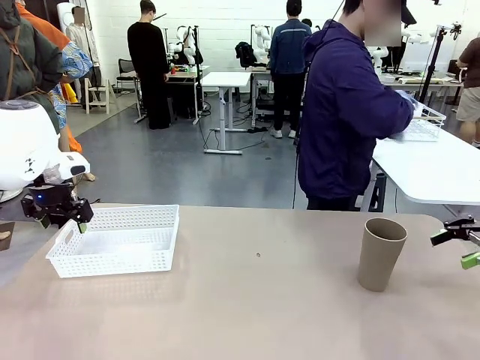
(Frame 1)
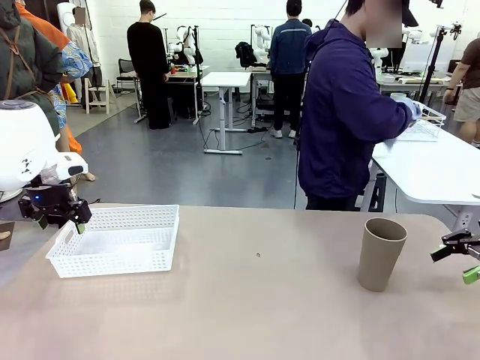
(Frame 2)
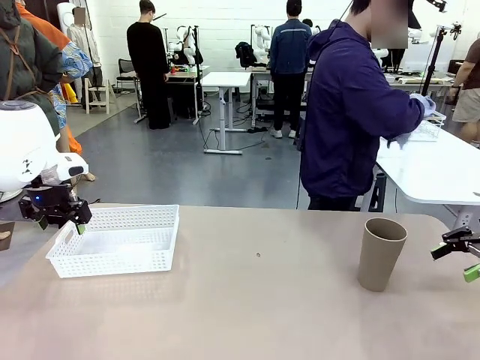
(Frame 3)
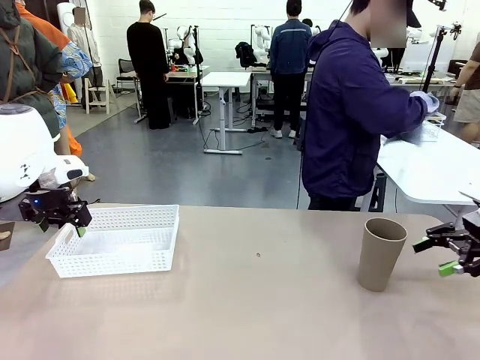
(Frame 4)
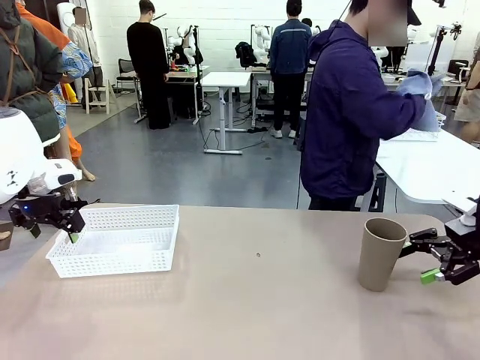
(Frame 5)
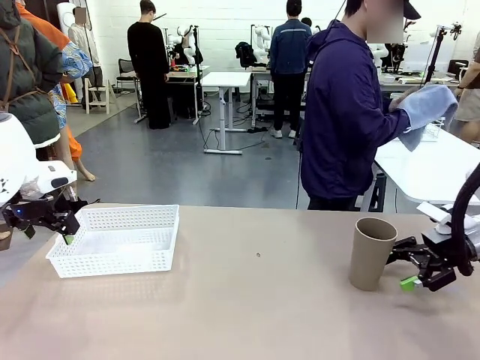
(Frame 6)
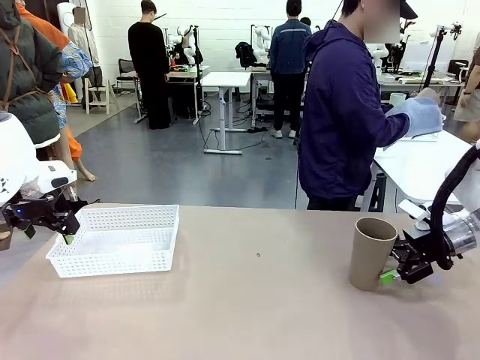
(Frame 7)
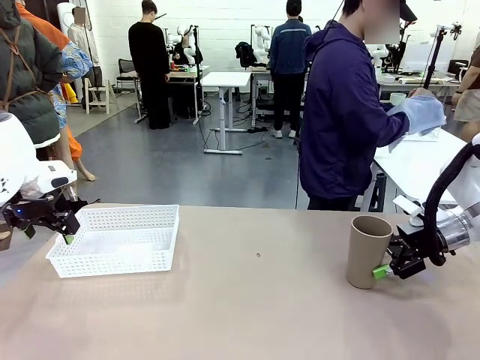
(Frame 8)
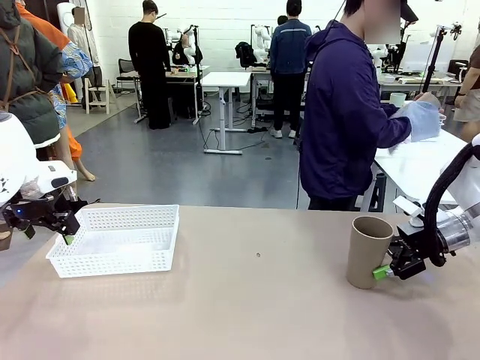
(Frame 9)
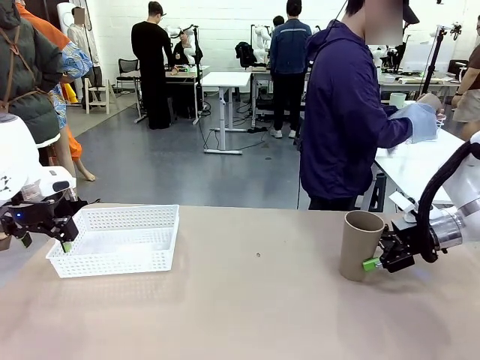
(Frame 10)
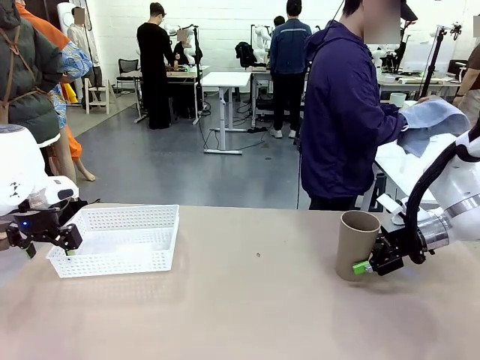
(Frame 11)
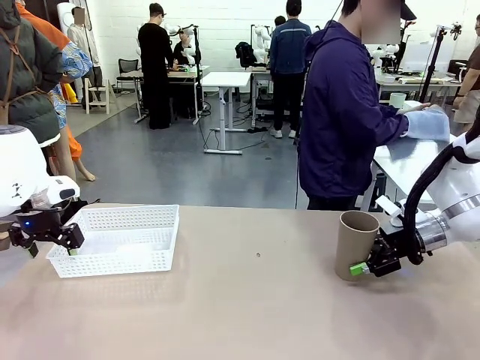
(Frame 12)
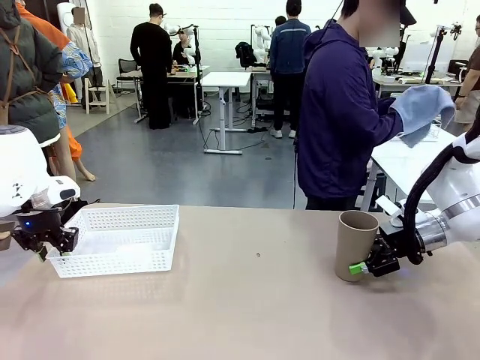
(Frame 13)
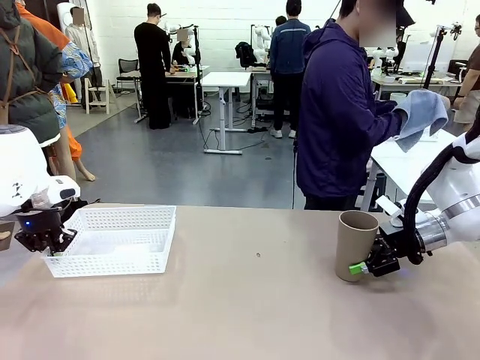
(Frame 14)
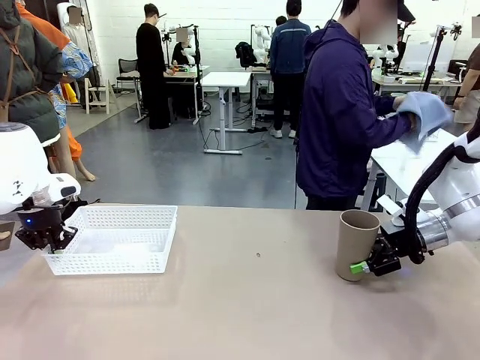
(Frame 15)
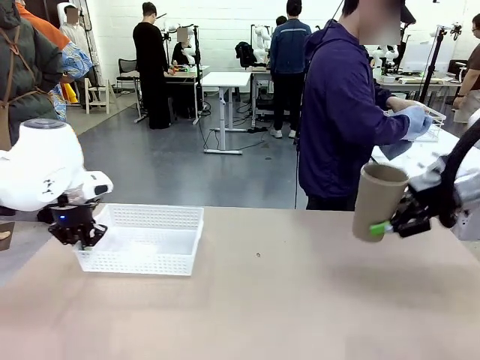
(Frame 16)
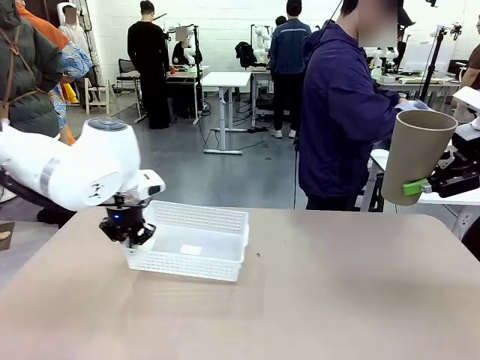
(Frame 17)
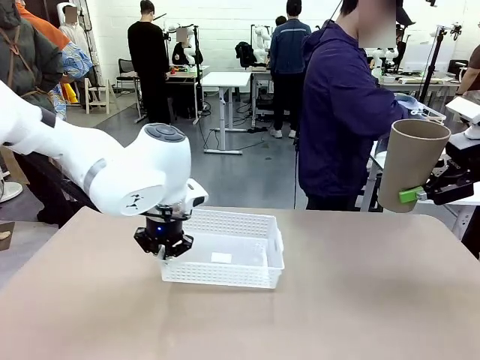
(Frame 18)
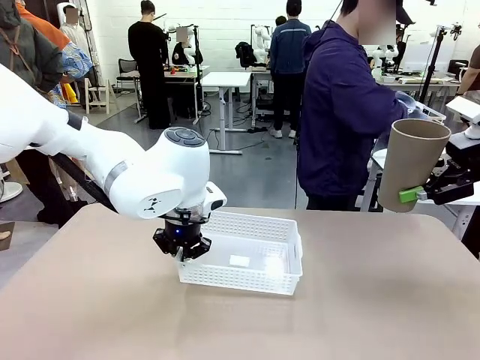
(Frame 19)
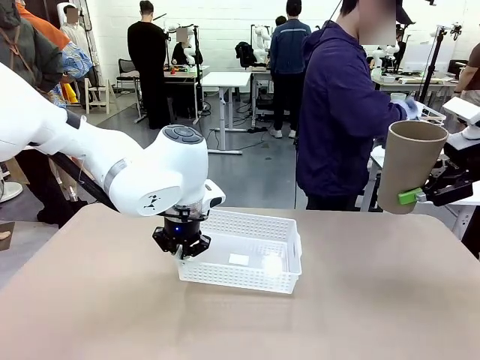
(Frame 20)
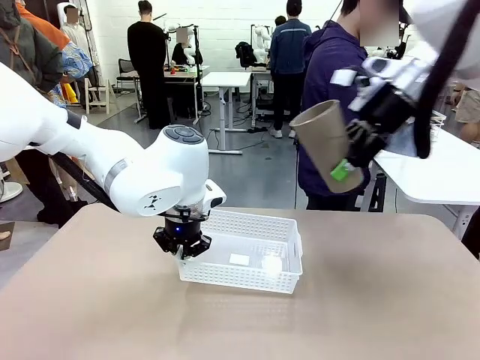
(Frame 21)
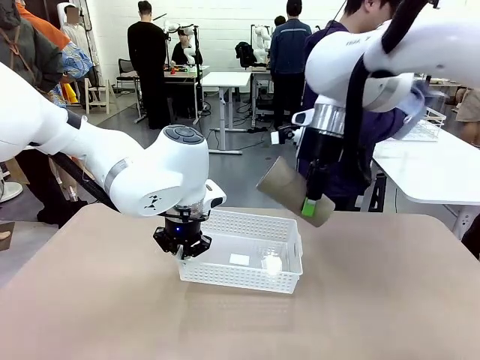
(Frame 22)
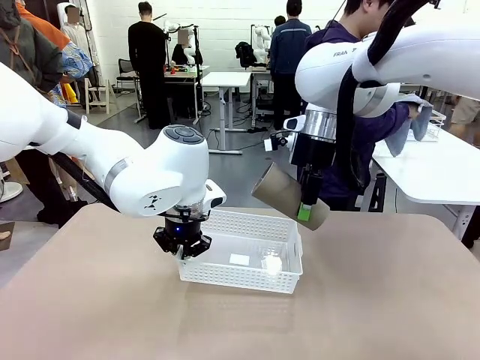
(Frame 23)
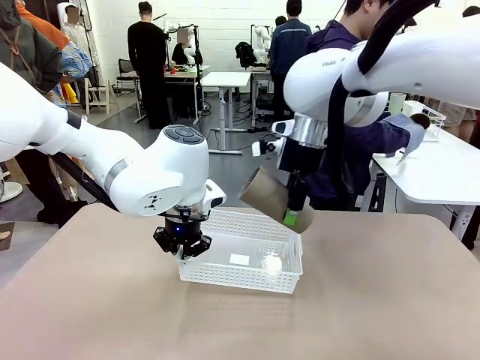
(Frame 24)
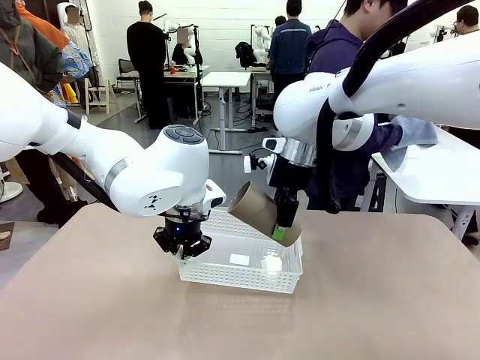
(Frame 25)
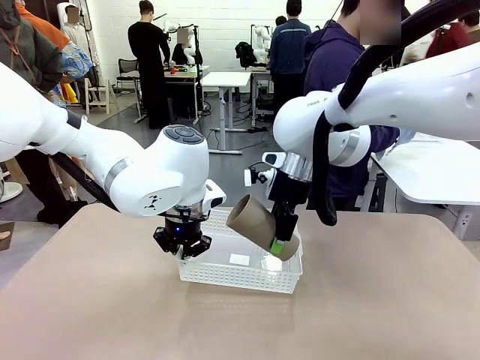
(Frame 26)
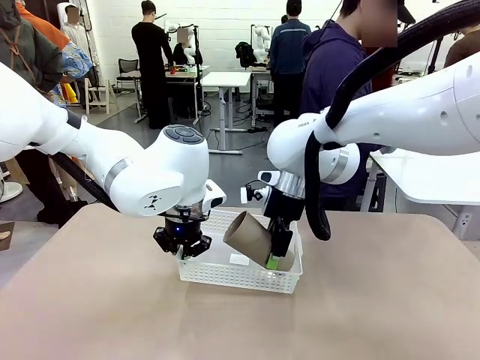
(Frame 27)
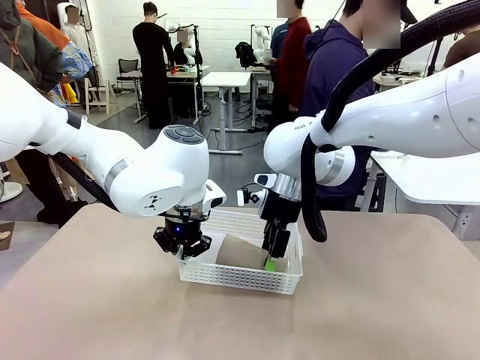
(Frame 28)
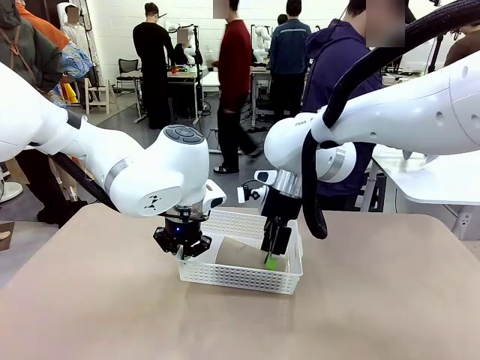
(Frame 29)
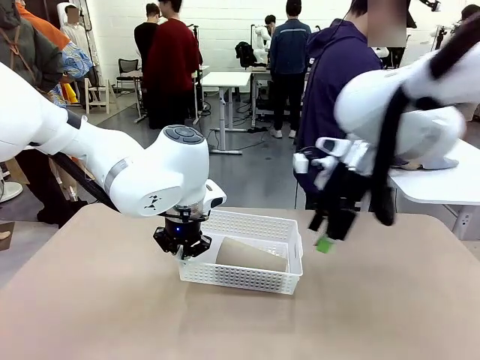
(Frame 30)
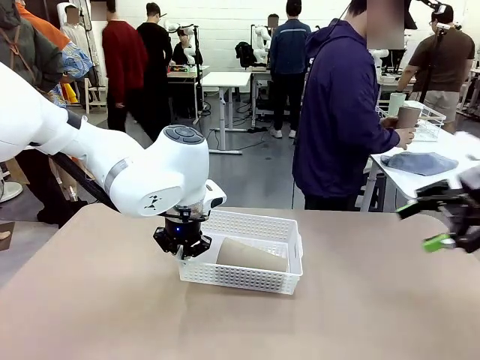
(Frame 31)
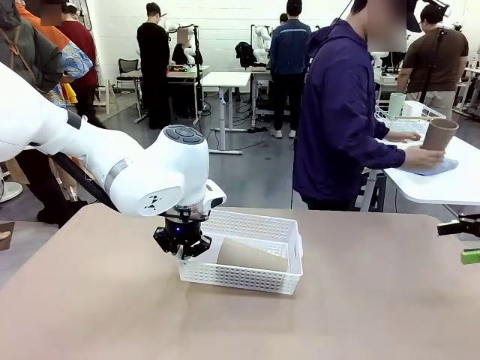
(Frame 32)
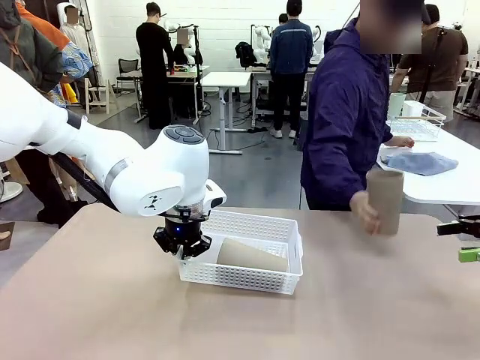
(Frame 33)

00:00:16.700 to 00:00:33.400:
Task: Clean and organize the cups into the basket.
Robot: Pick up the Organizing basket and move it to the center of the table, then pick up the Reusable plastic cup from the right side of the table and place it inside the Organizing basket.

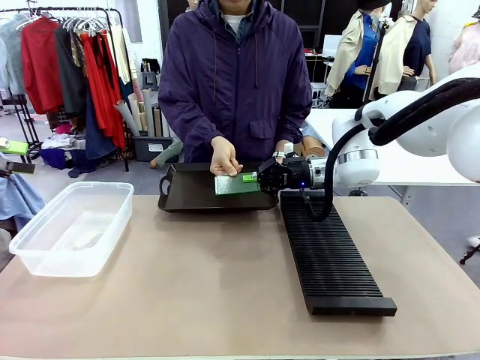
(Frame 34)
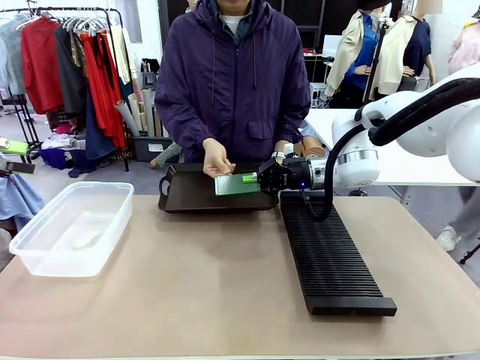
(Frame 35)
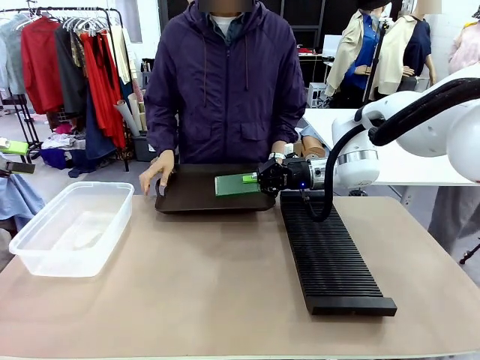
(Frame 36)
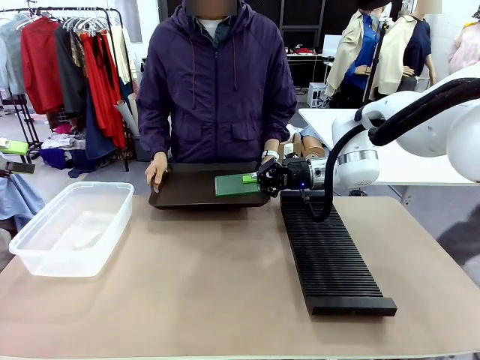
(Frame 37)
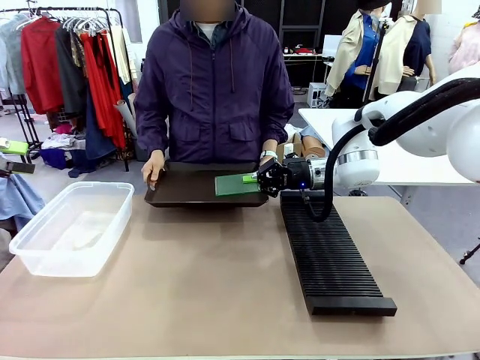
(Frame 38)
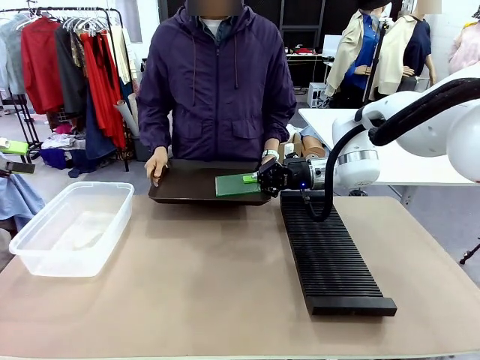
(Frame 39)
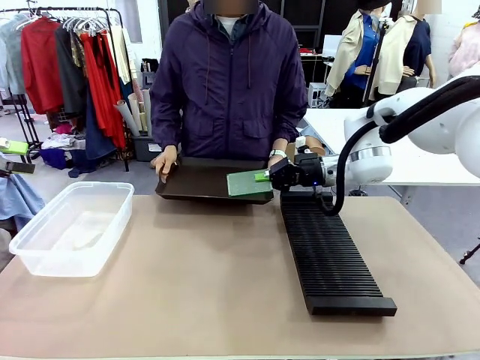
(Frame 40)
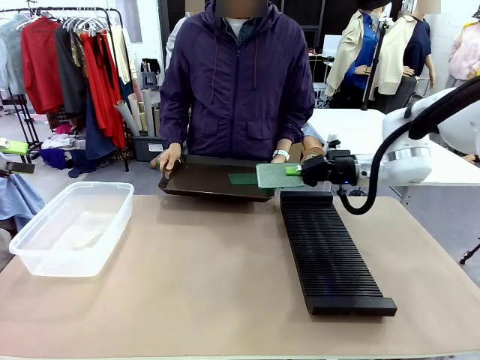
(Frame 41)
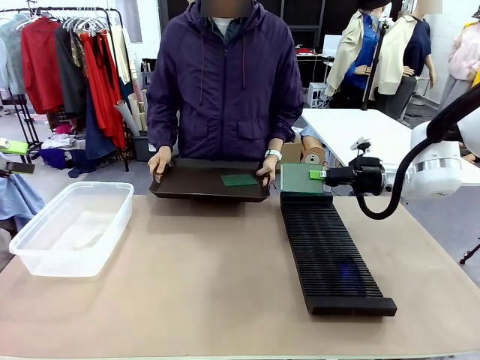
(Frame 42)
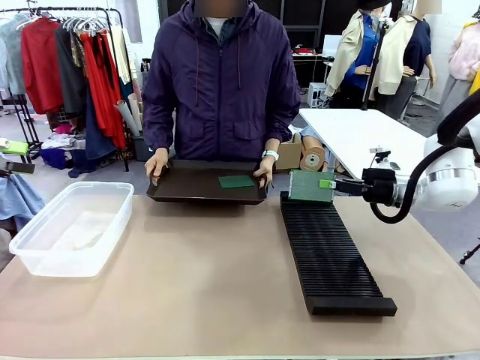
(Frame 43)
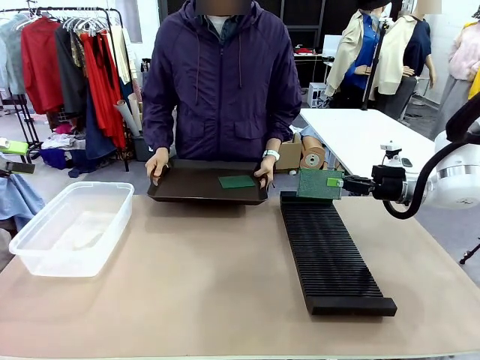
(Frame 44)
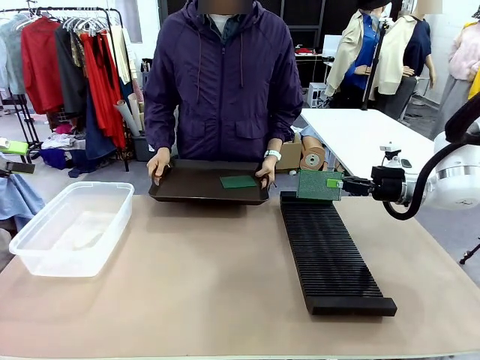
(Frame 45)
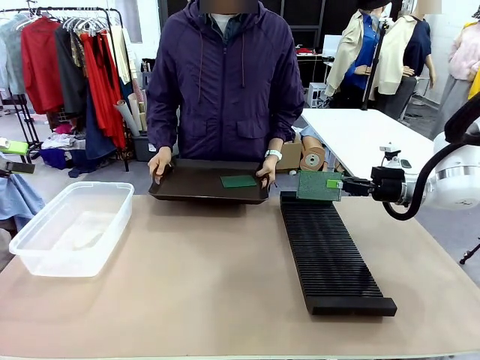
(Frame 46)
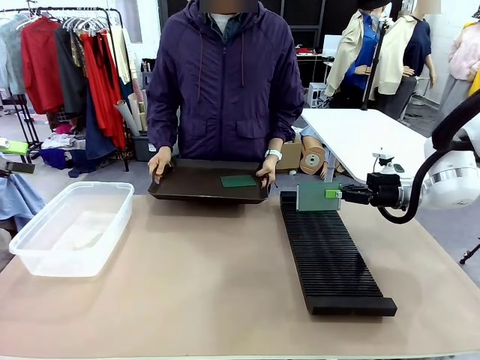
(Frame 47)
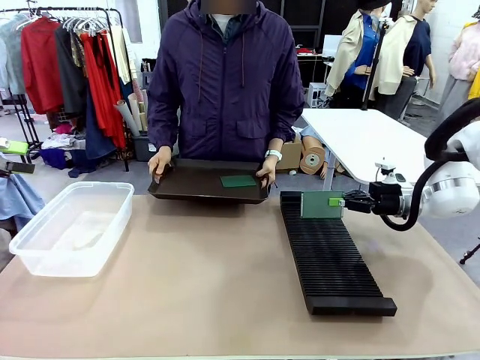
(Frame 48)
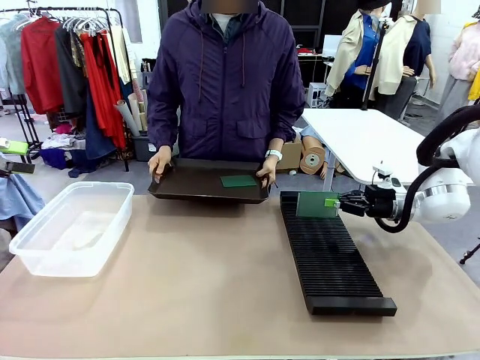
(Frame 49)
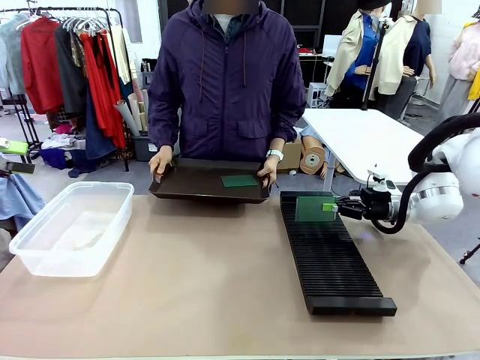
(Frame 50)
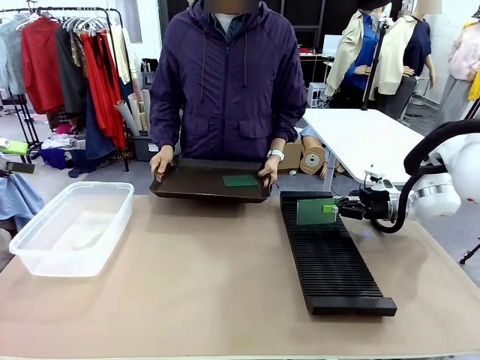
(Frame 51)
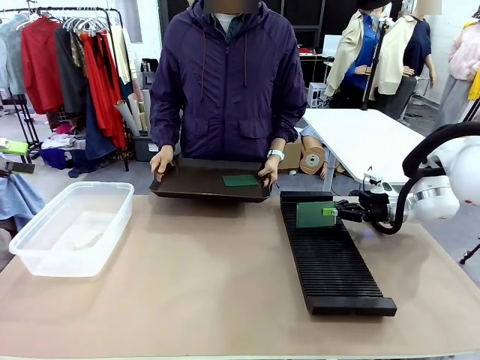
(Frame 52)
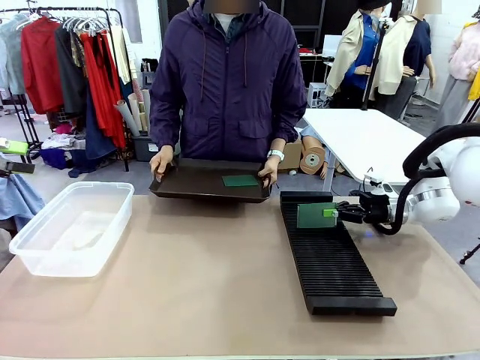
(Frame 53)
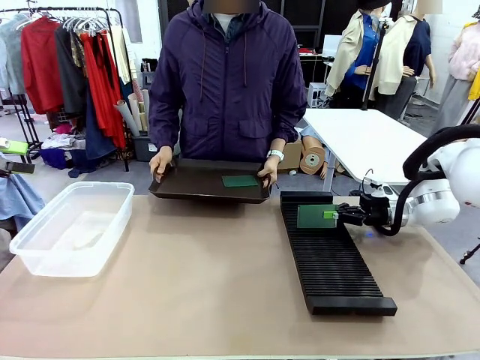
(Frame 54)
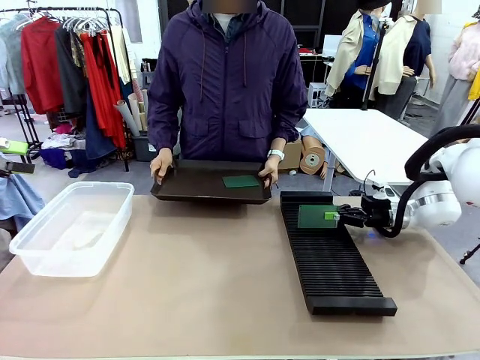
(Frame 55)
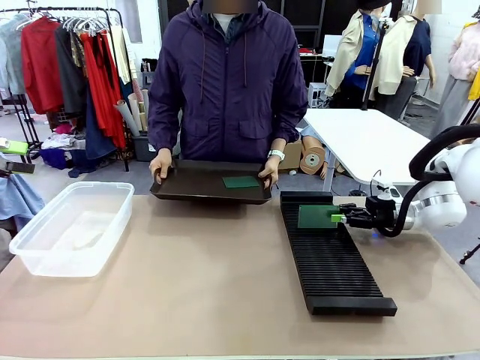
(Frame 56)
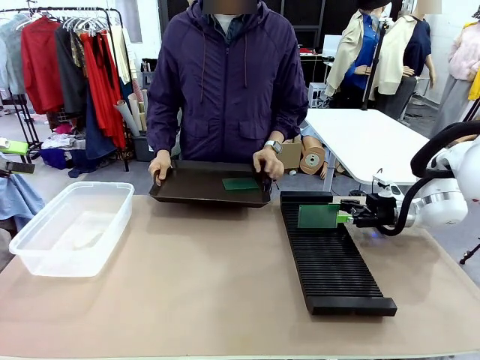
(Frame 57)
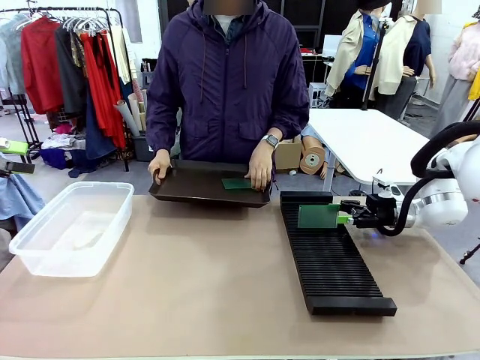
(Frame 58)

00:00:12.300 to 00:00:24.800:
Task: Sort PCBs into racks and boxes based on the side picked up.
Robot: If the short side of the Blank PCB is picked up, insert it into the PCB Rack ; if the long side is picked up, place it in the Organizing box.
Person: Pick one PCB from the tray and present it to the robot.
